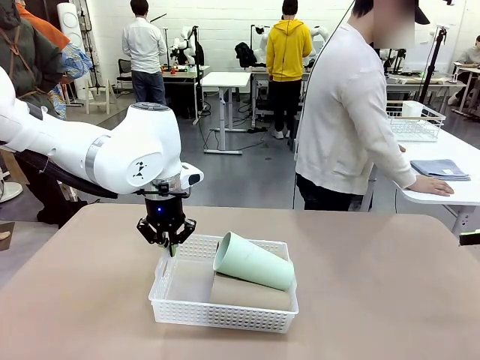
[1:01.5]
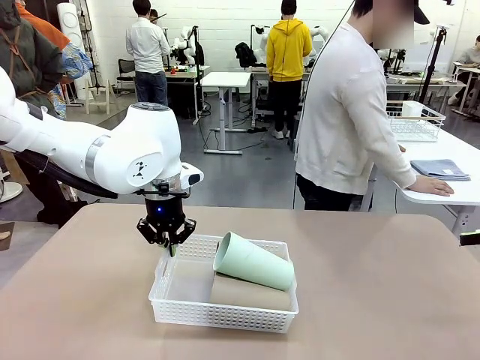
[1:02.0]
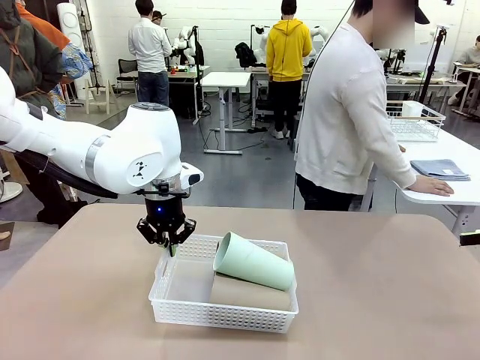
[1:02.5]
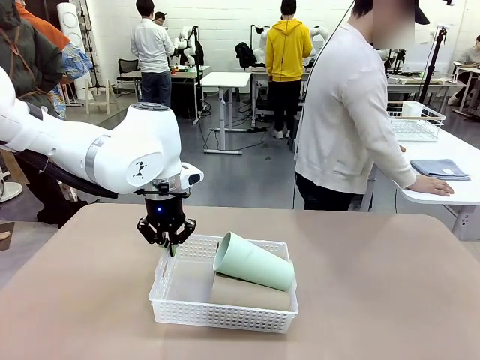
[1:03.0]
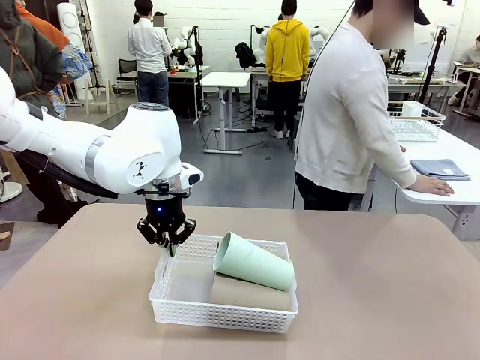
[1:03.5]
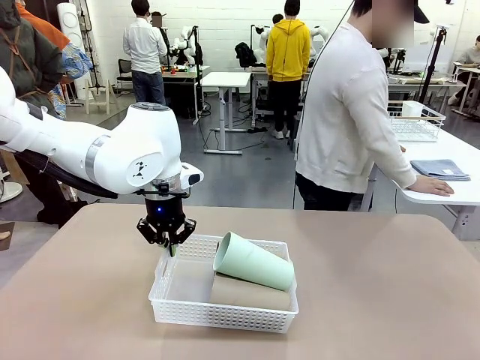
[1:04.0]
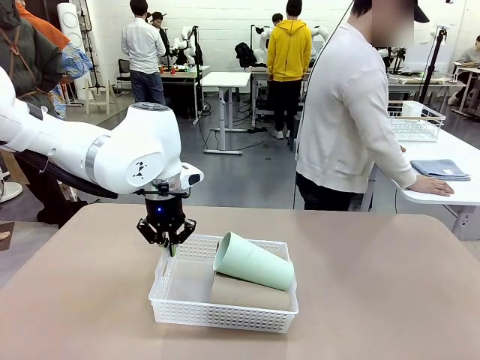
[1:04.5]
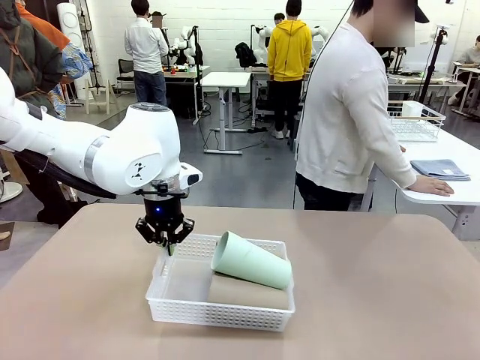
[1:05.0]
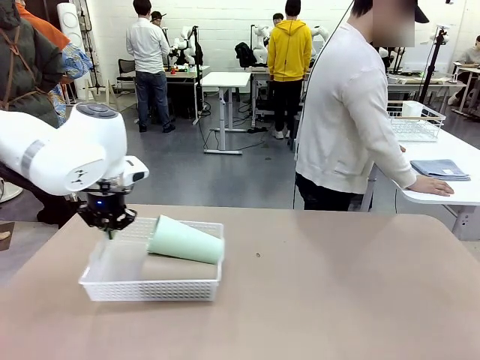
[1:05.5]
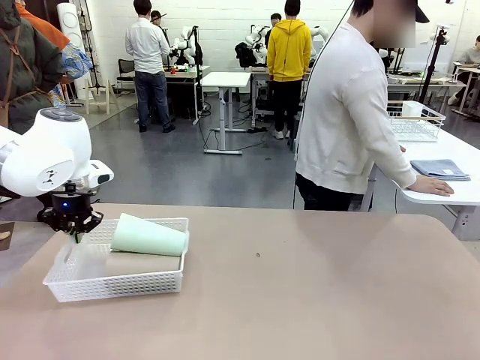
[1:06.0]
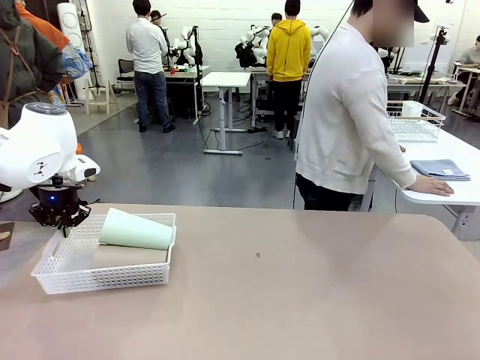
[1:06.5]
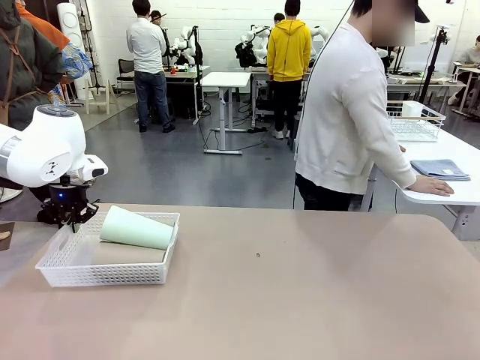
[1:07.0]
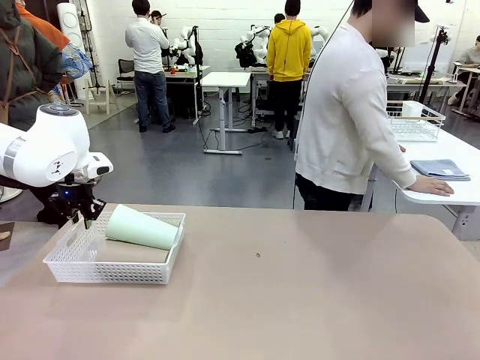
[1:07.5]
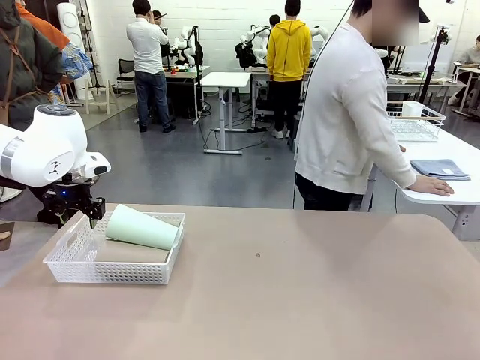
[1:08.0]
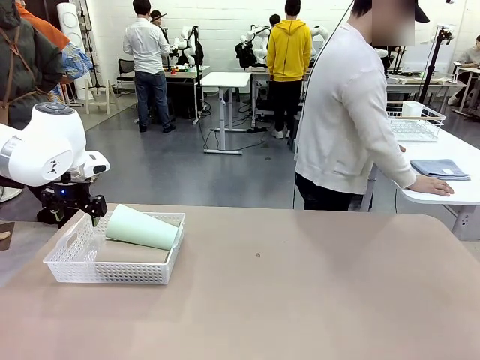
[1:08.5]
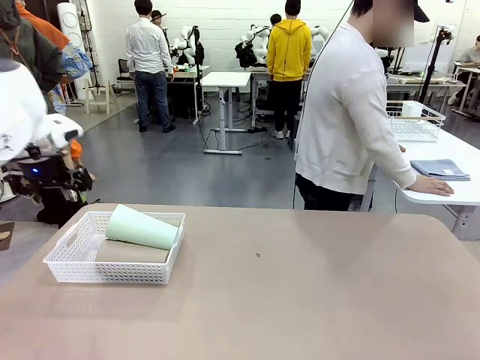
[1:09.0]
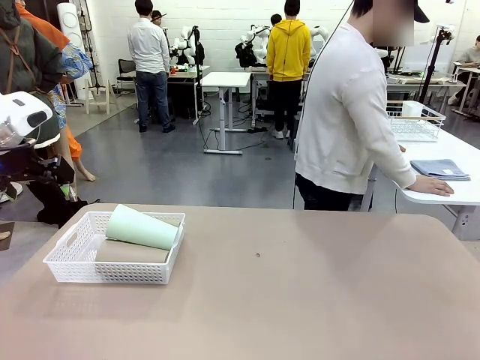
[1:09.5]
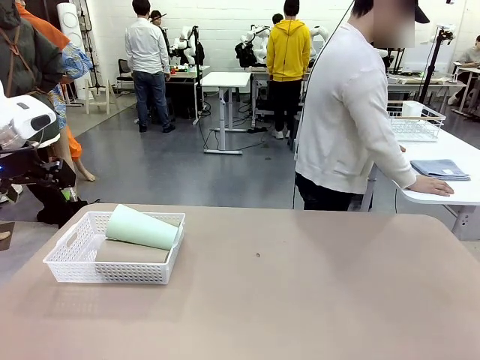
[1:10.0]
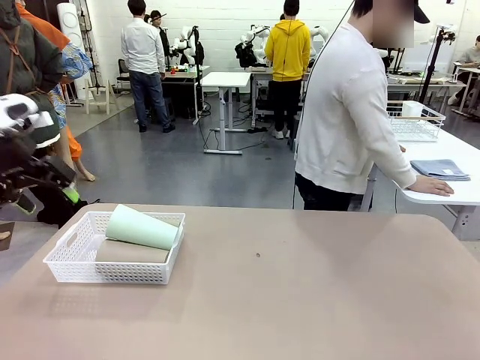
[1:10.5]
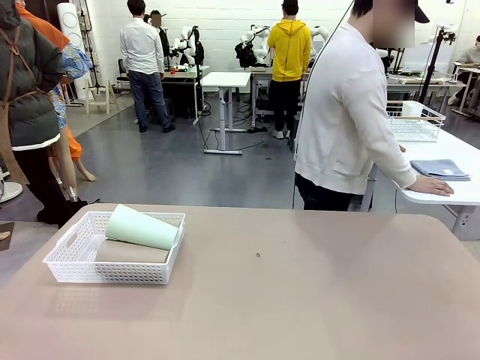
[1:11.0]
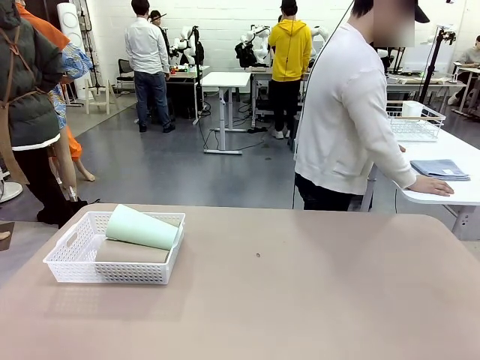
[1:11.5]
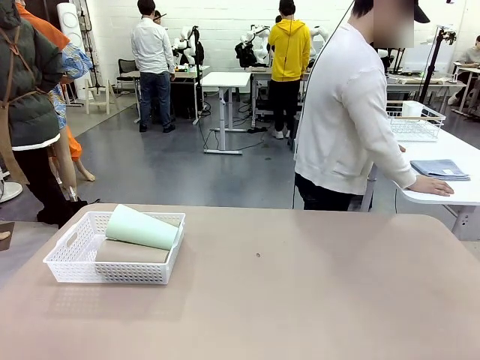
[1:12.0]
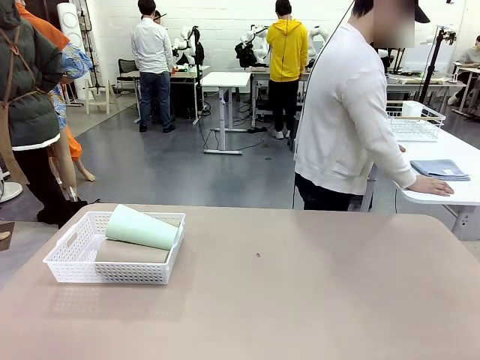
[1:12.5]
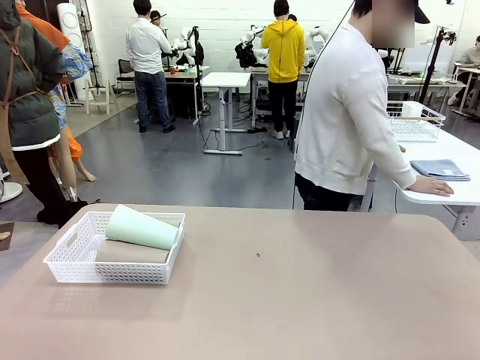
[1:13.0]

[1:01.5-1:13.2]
Task: Clean and organize the cups into the basket.
Robot: Move the Organizing basket back to the left side of the table.

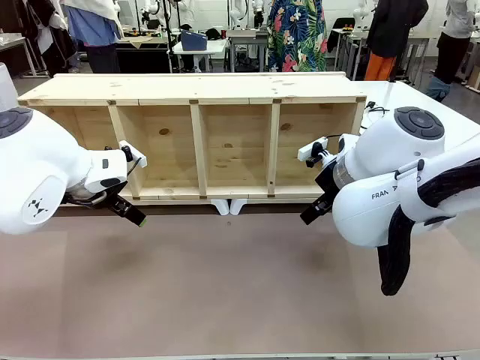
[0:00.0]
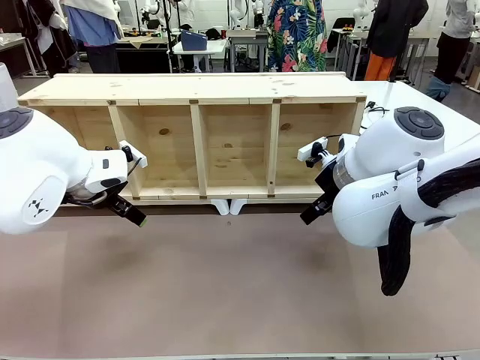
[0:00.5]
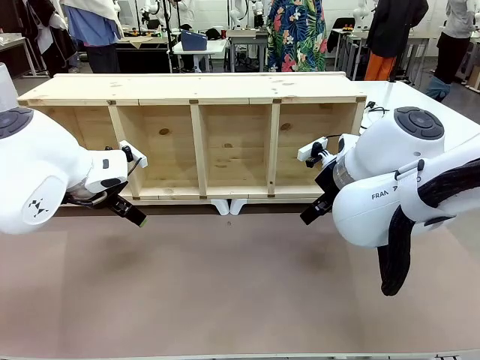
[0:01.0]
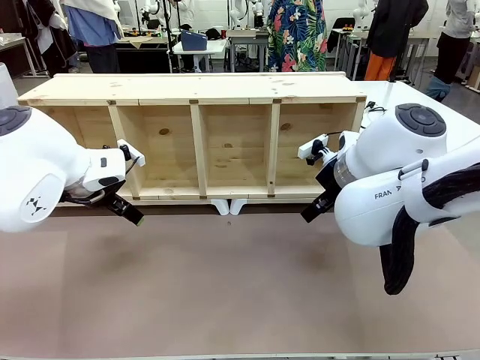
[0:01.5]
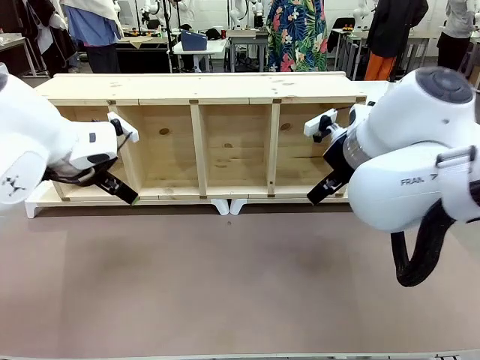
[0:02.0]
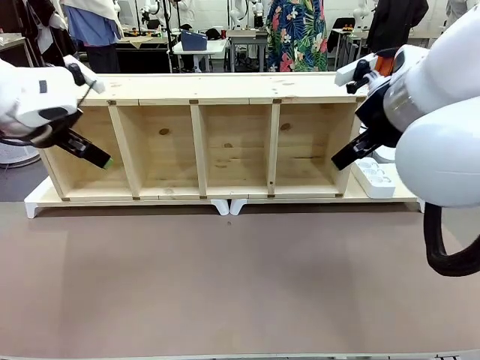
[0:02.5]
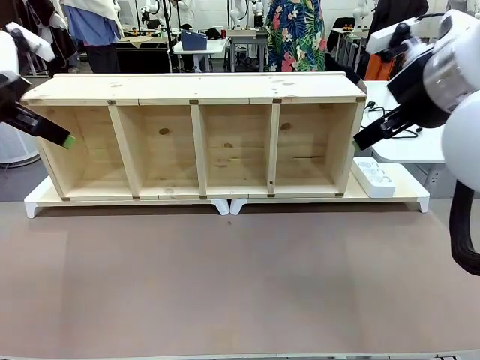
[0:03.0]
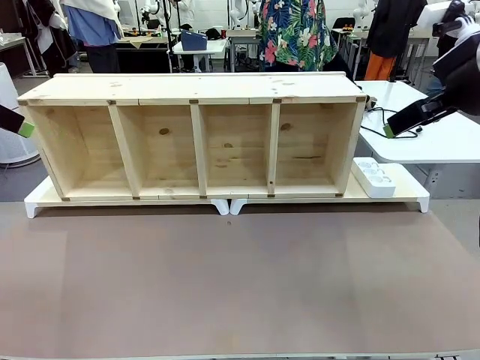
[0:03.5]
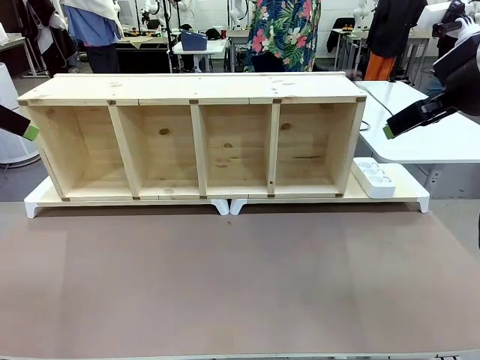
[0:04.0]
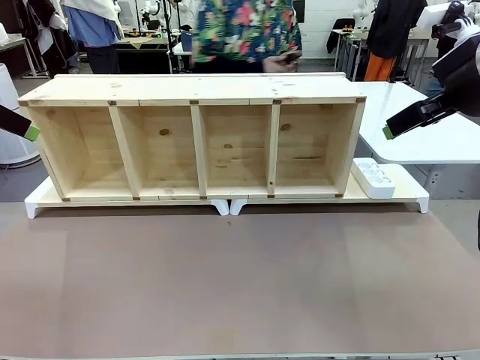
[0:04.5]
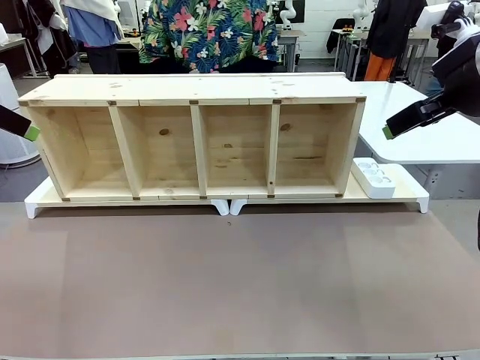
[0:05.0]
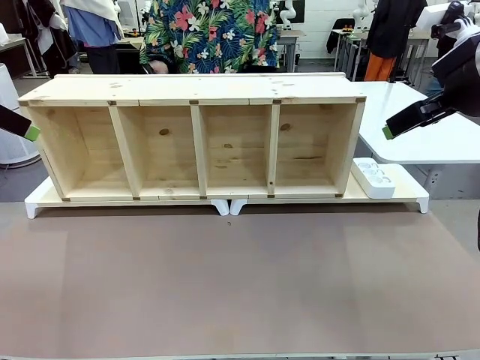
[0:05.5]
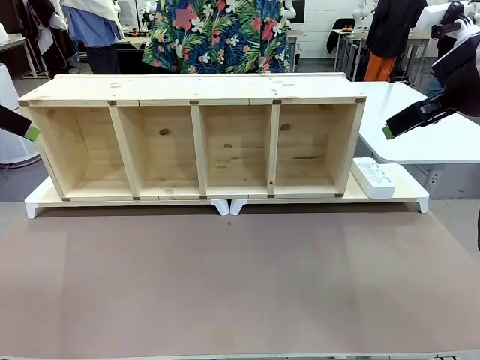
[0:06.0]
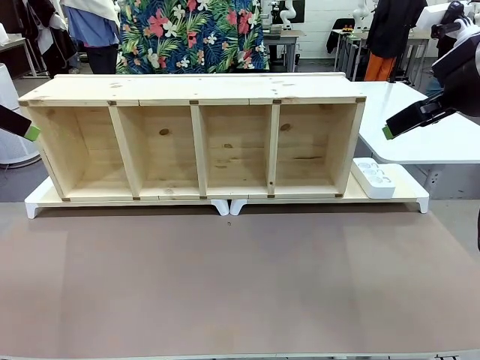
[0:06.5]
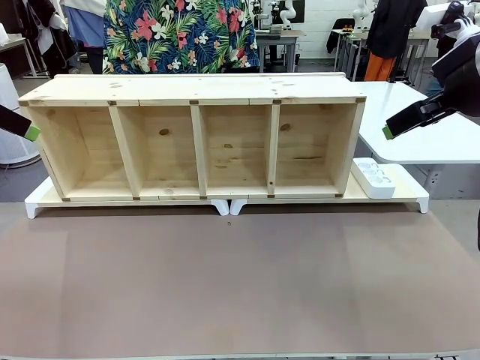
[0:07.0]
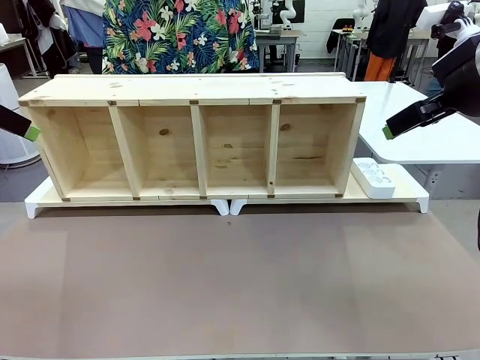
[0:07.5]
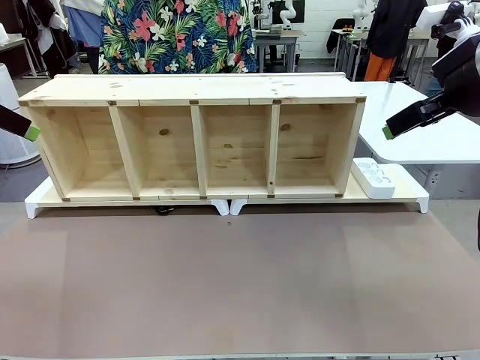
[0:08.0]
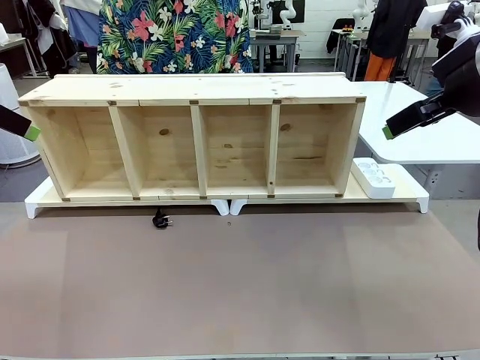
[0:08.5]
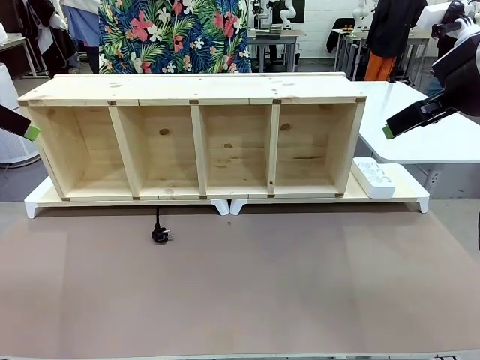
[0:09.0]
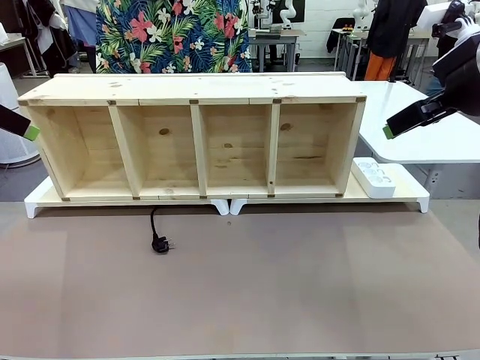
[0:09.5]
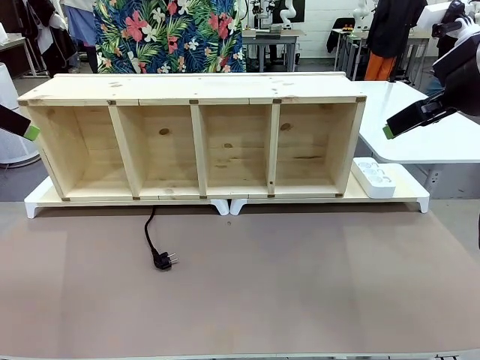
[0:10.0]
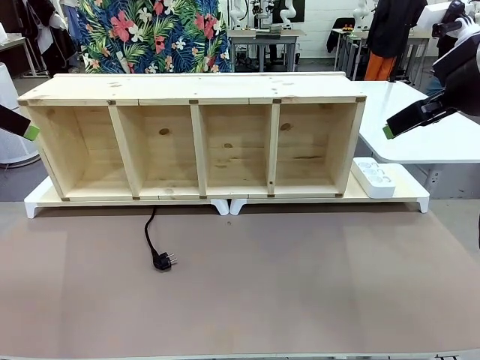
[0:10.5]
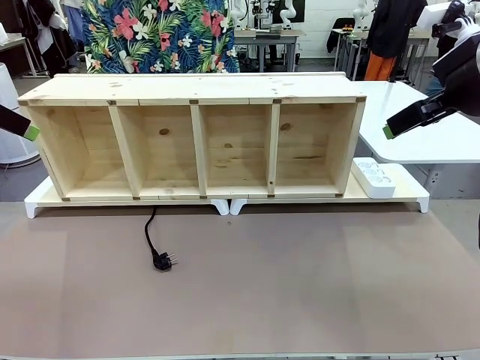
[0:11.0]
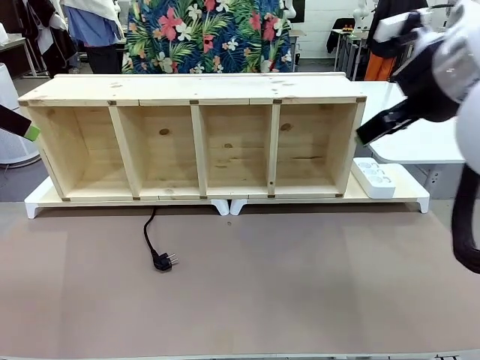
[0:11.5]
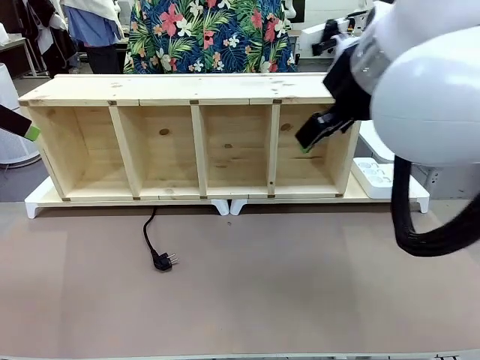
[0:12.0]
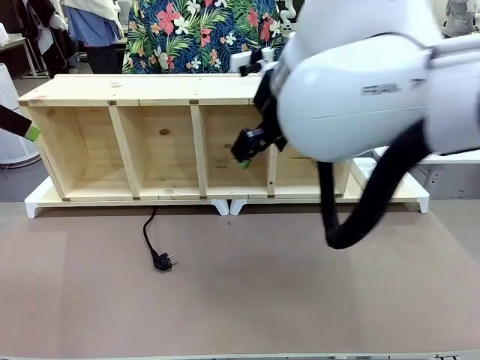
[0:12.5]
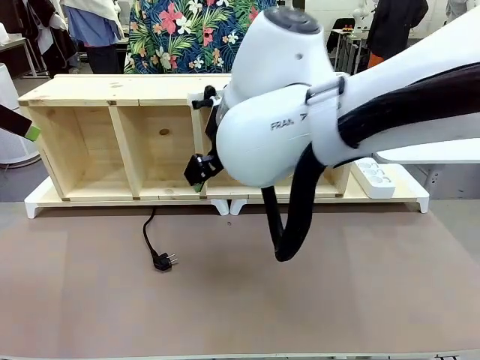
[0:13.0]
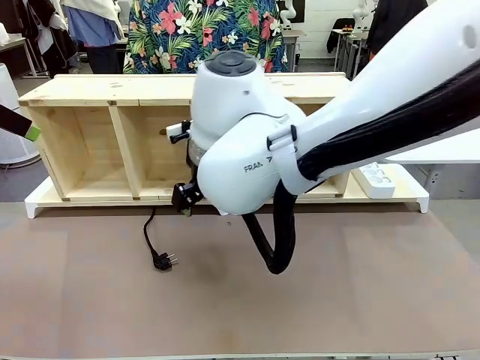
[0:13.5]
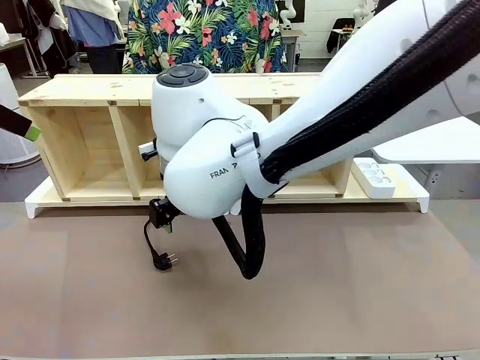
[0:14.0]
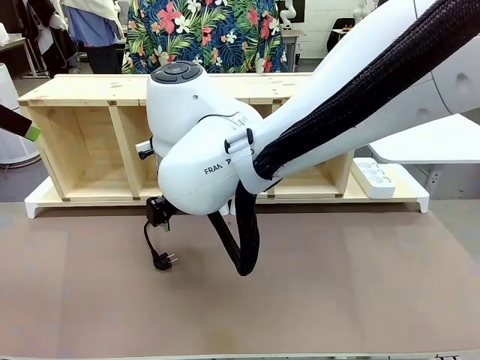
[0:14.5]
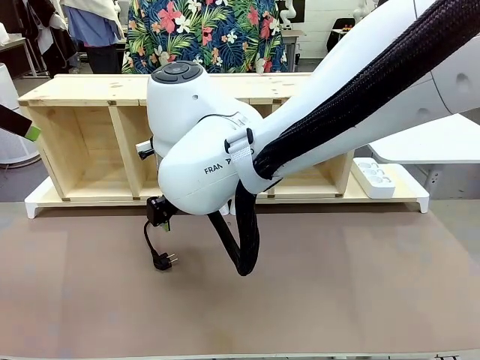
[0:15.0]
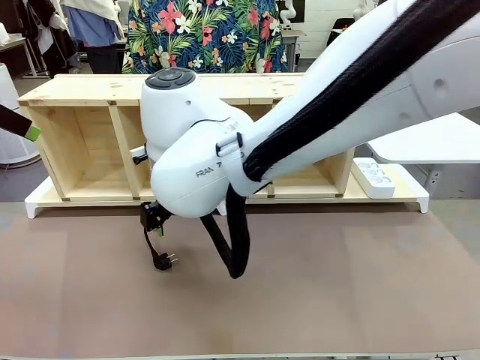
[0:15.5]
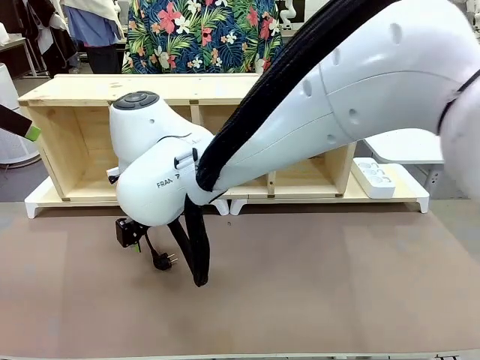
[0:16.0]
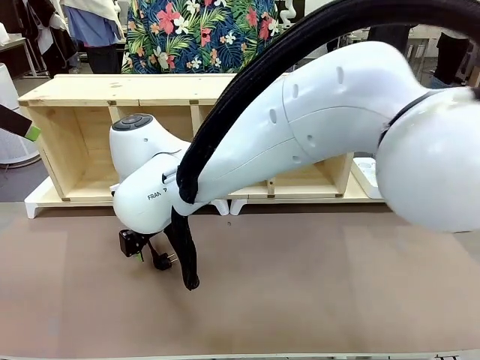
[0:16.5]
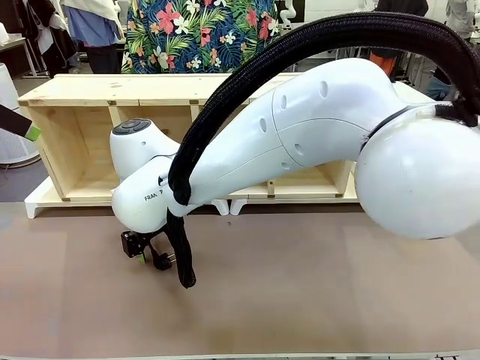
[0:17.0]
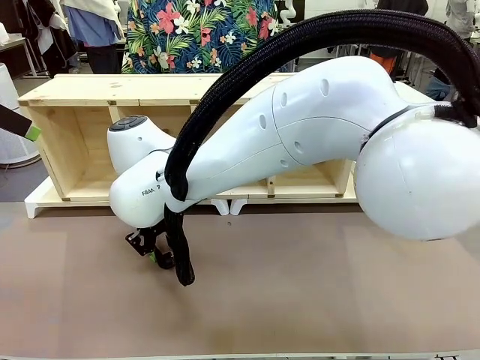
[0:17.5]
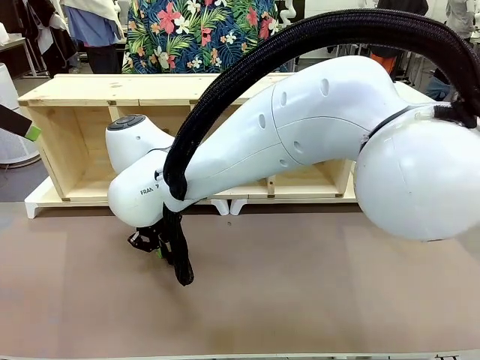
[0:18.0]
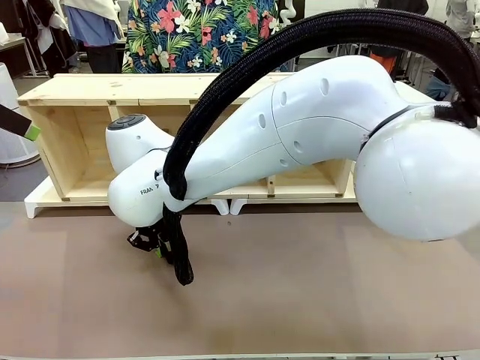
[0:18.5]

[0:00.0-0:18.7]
Task: Perform cable management.
Robot: When the cord part of the Power Cable appears at the lower middle area of the table and stops, grasp the cord part of the Power Cable.
Person: Pass the Power Cable under the Serving Table.
